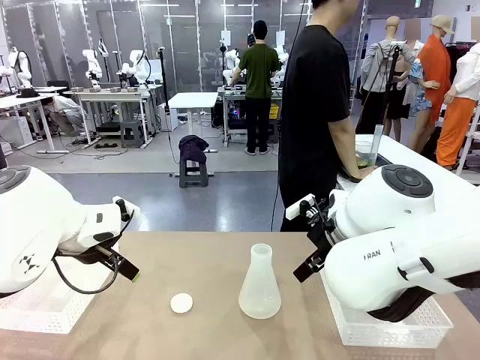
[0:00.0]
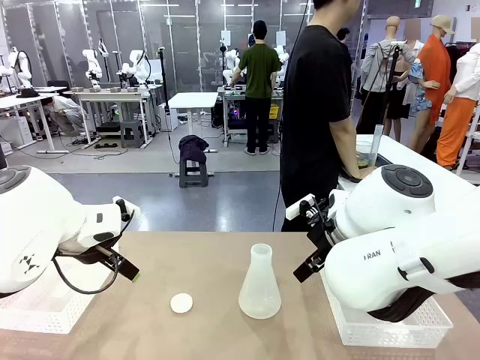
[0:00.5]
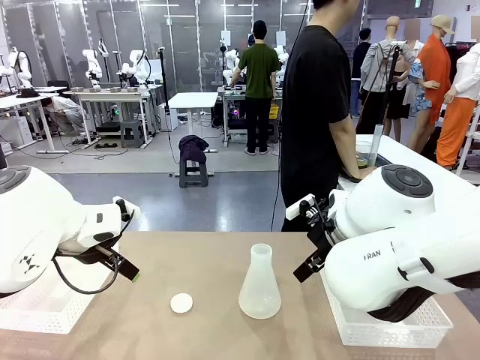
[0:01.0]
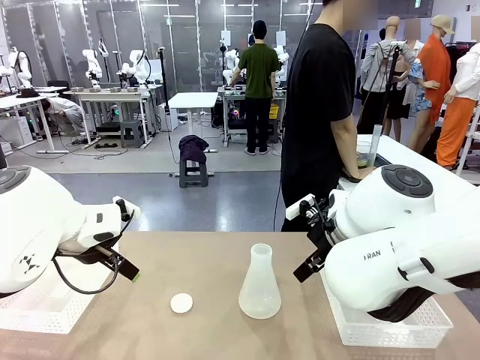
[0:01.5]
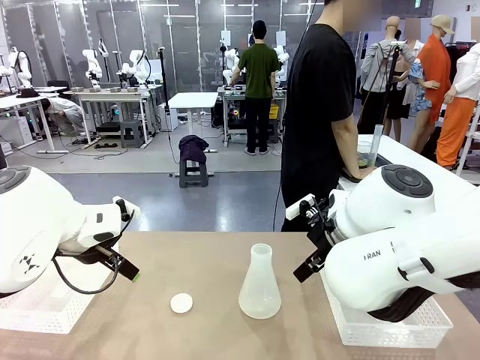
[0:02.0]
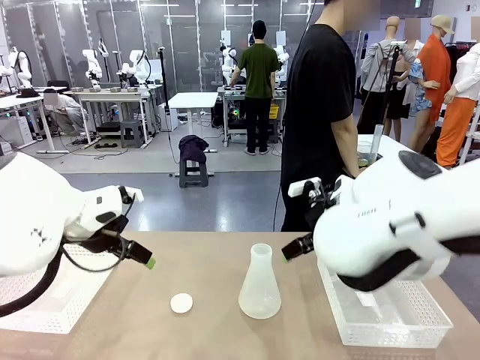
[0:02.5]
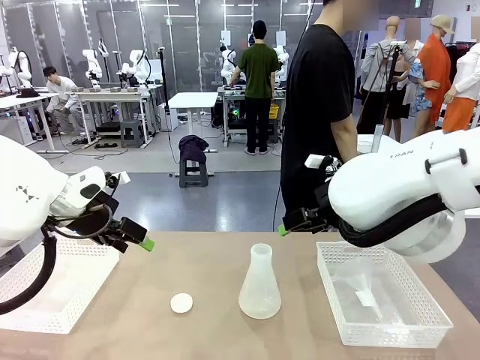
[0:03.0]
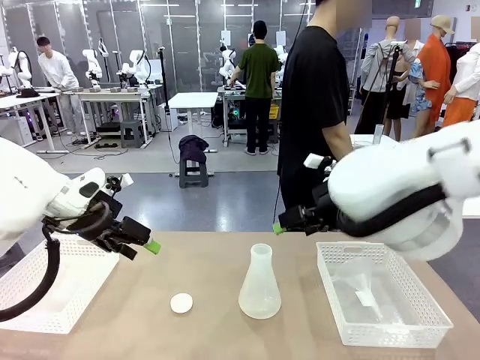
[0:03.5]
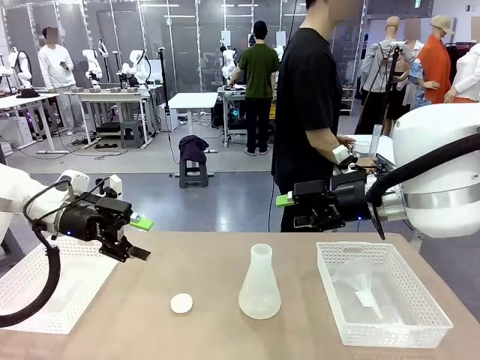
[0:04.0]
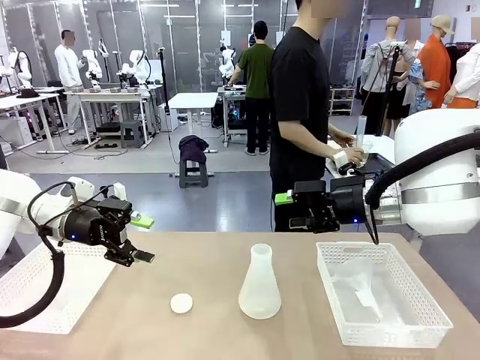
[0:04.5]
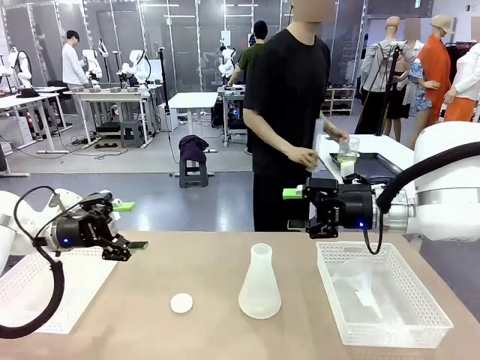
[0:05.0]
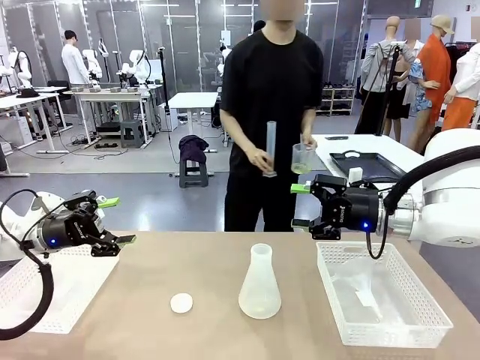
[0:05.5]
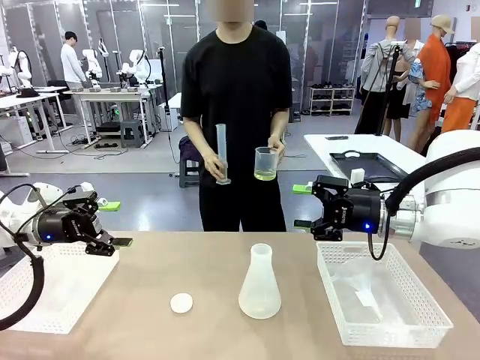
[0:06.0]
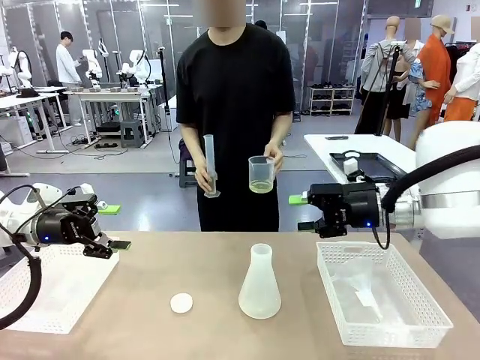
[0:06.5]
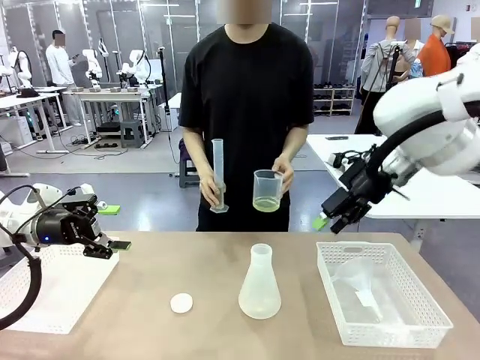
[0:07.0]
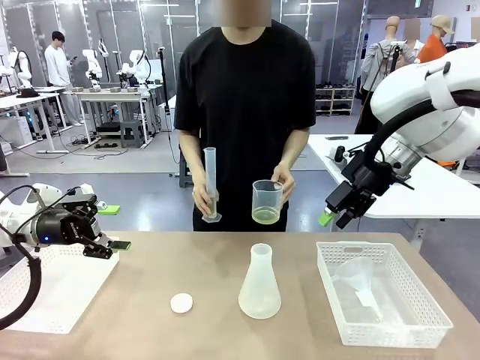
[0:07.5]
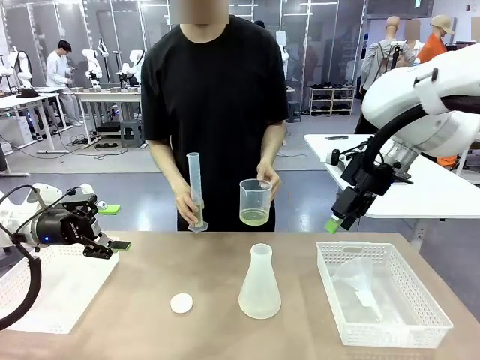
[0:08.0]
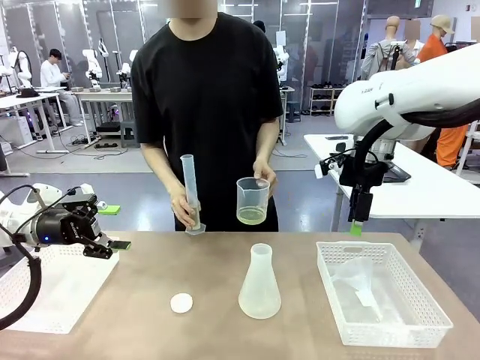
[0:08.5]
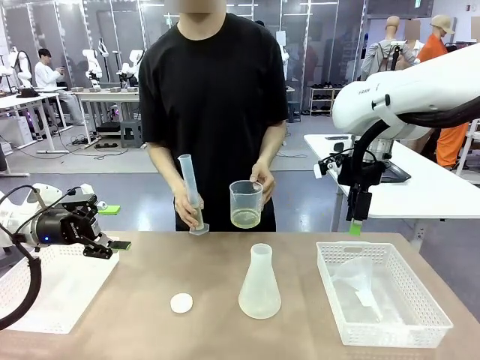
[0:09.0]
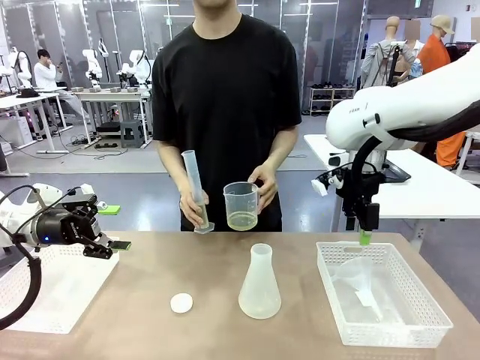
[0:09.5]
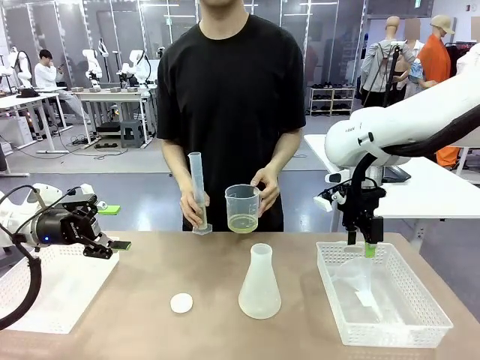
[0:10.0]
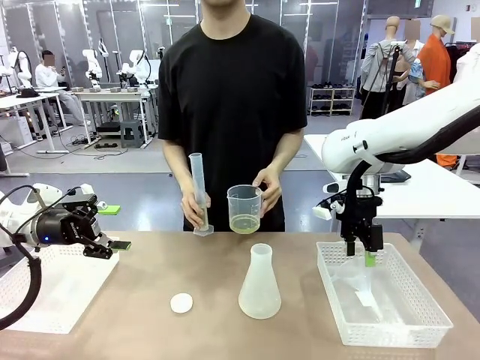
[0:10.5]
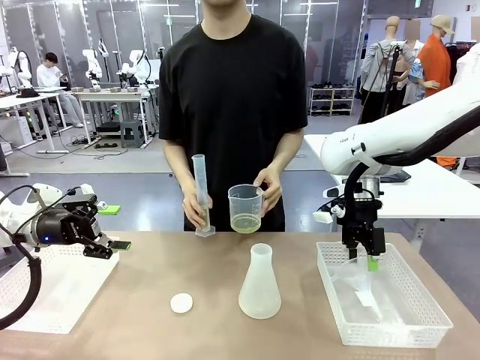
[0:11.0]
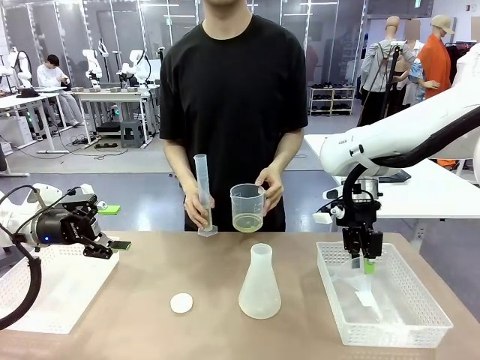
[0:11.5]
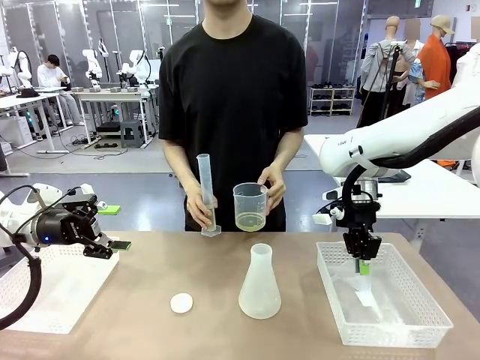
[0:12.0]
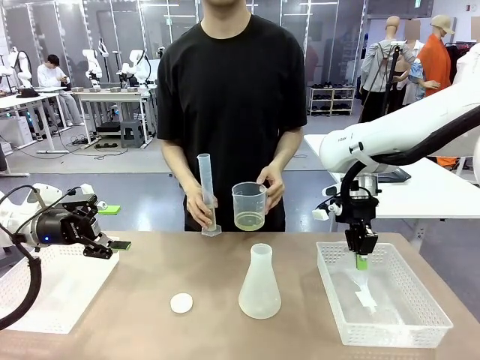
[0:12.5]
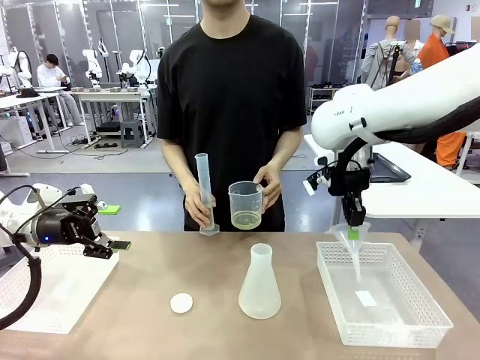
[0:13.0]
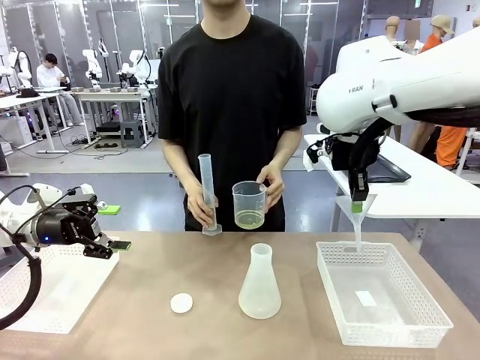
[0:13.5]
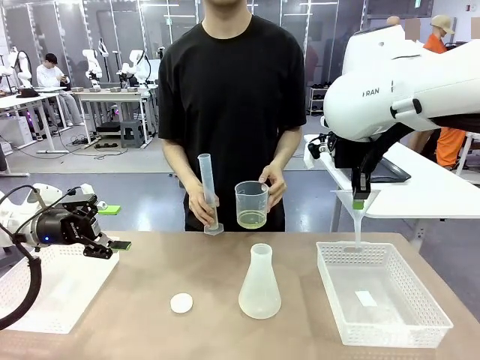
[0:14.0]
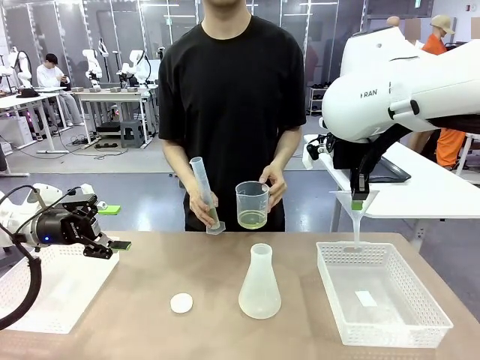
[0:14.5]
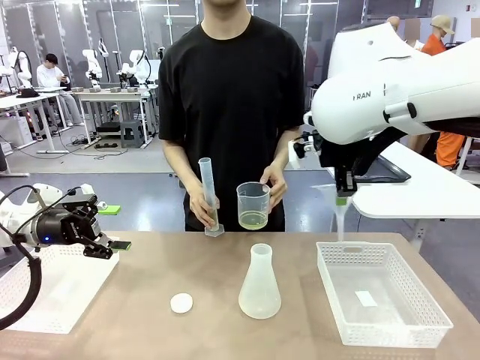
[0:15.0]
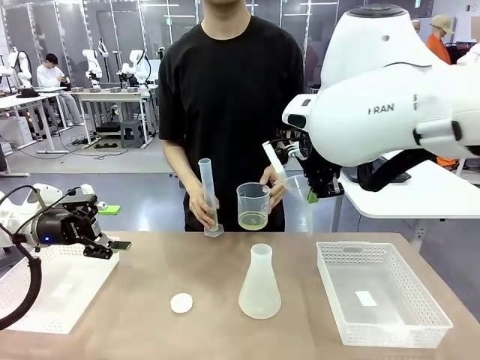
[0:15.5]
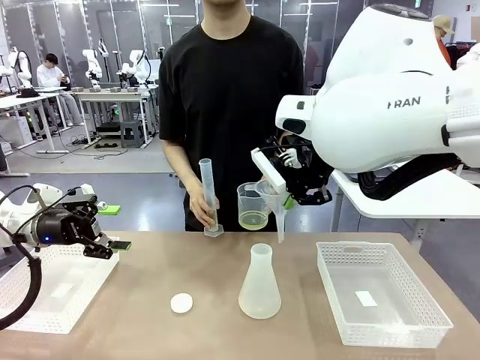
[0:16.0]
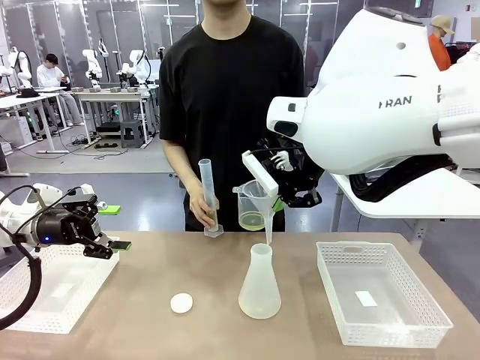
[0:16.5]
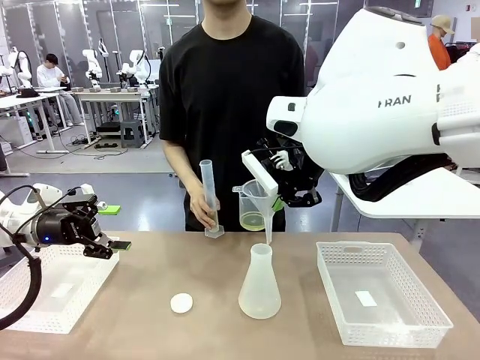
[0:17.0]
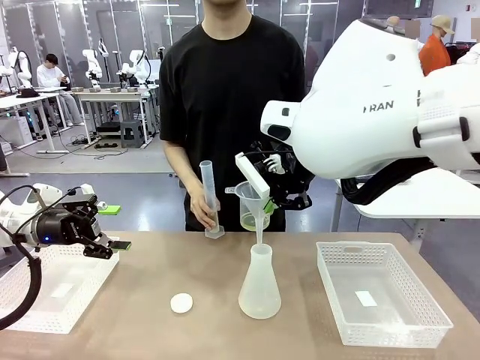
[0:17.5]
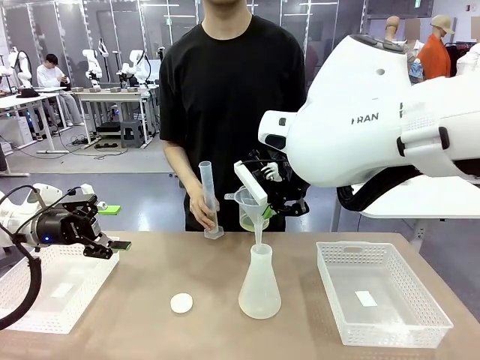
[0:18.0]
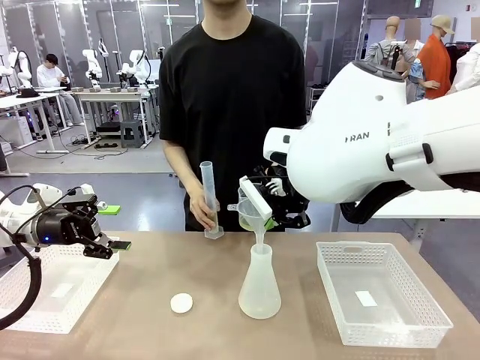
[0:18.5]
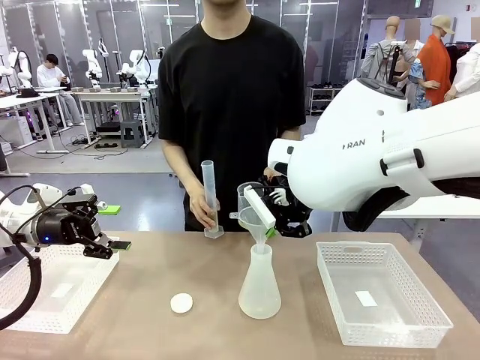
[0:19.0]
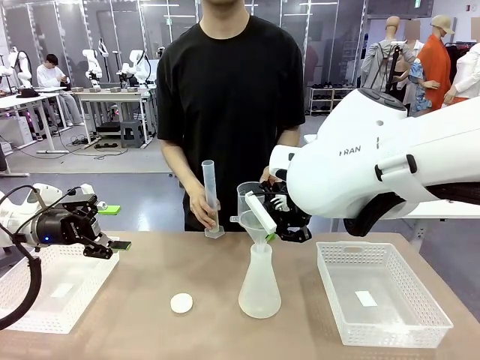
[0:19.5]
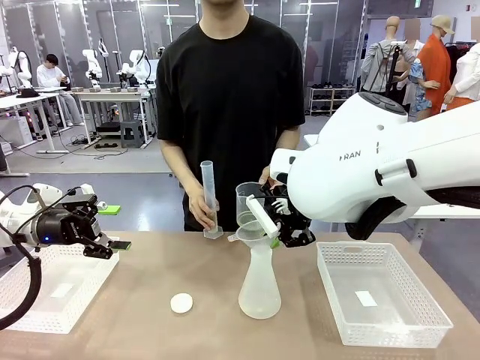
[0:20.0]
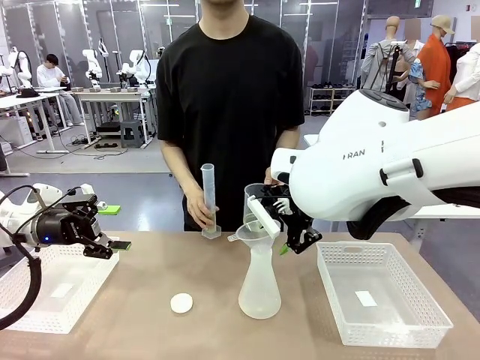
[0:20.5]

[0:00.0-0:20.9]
Task: Prepare the solutions needed for the experiment.
Robot: Pick up the Plastic Funnel and insert it into the Big flask.
Person: Pick up the beaker and the cylinder and move to the middle of the robot table. Pour the solution from the beaker and the cylinder into the flask.
